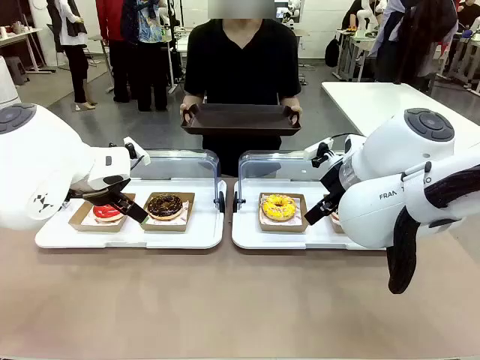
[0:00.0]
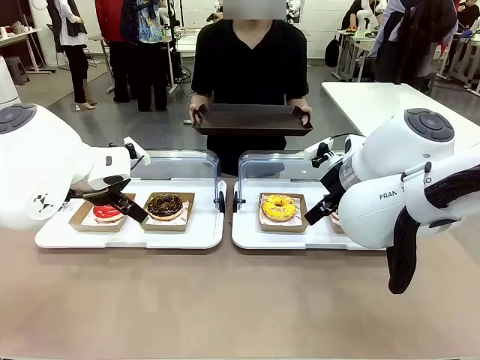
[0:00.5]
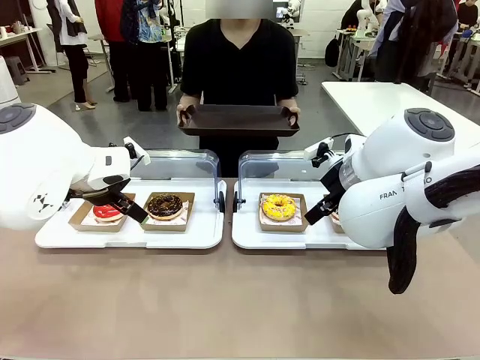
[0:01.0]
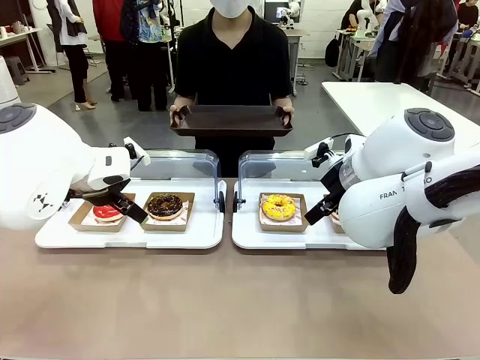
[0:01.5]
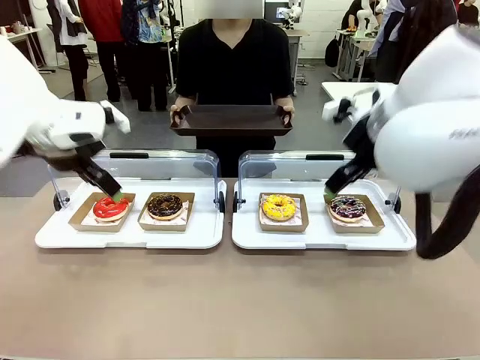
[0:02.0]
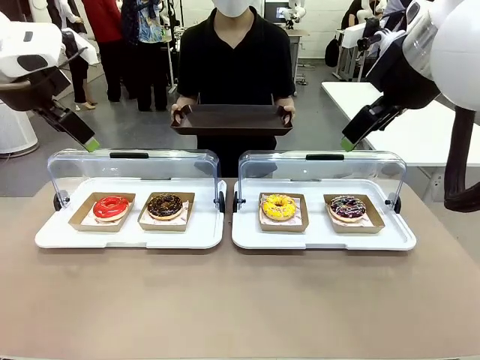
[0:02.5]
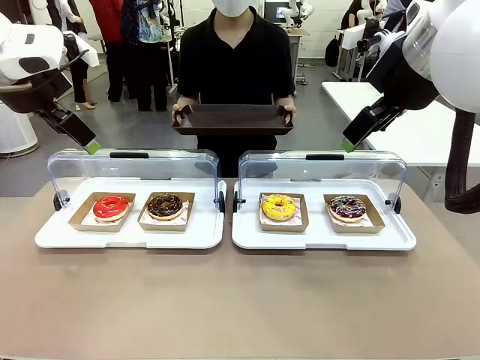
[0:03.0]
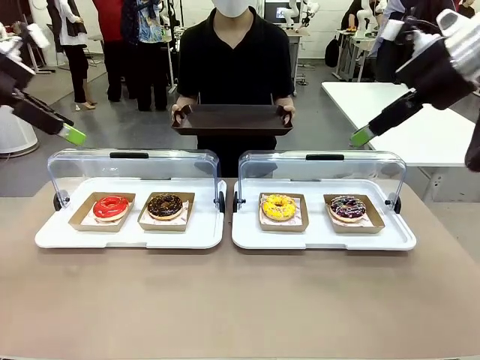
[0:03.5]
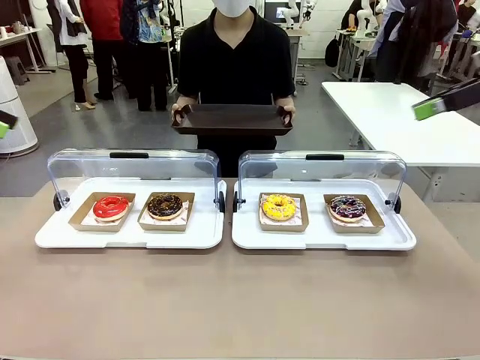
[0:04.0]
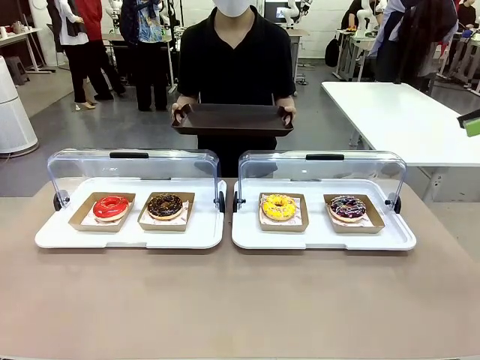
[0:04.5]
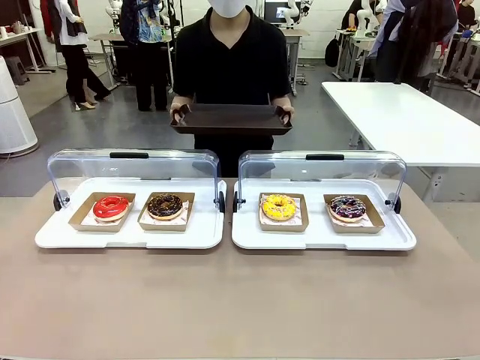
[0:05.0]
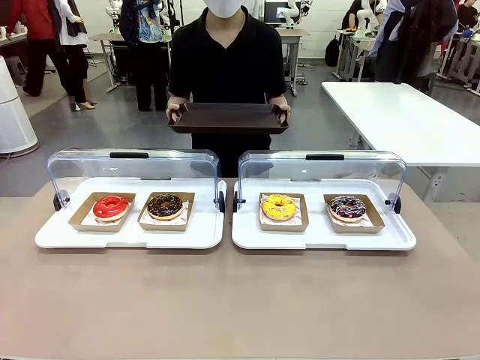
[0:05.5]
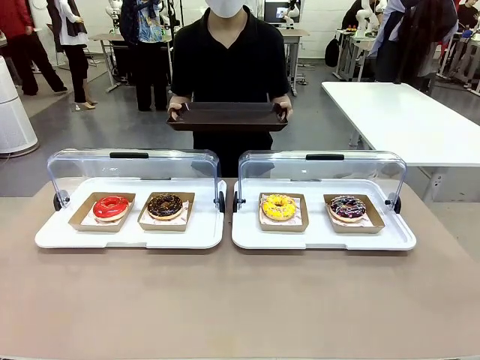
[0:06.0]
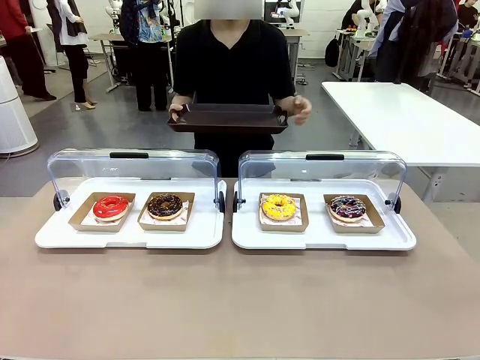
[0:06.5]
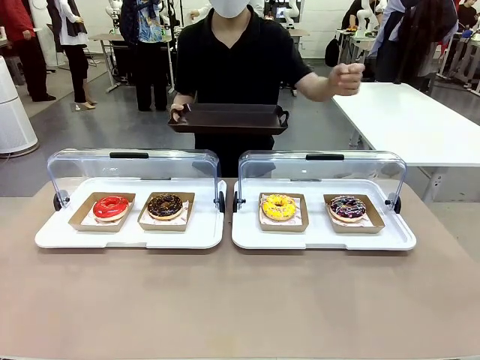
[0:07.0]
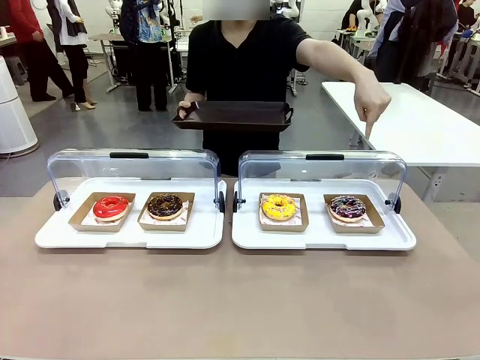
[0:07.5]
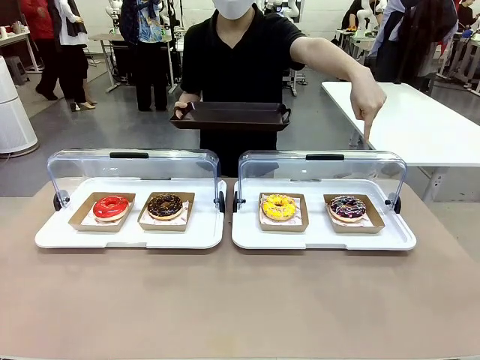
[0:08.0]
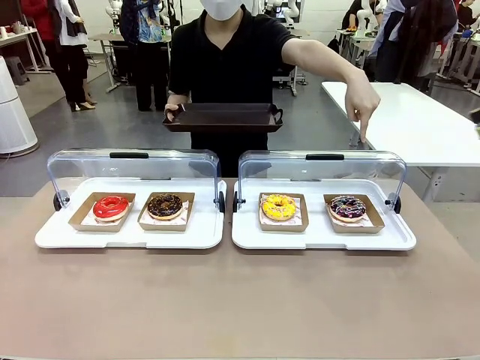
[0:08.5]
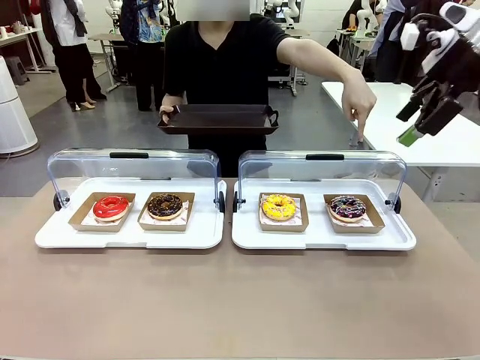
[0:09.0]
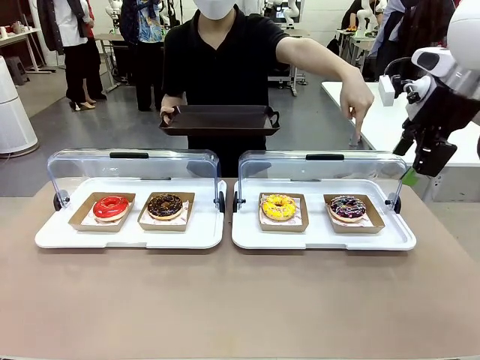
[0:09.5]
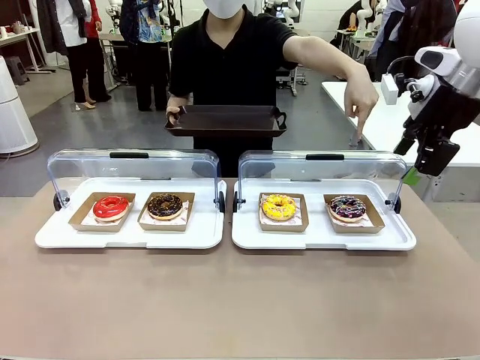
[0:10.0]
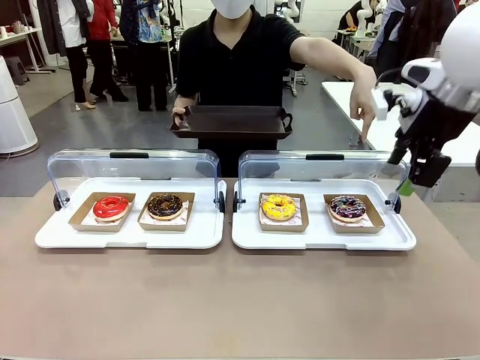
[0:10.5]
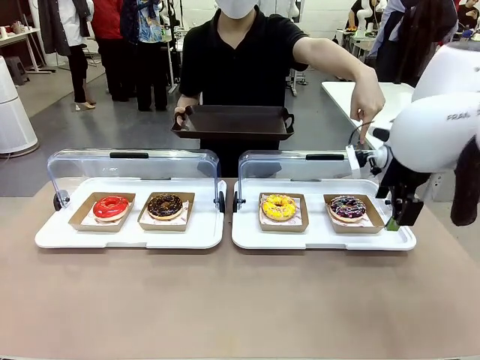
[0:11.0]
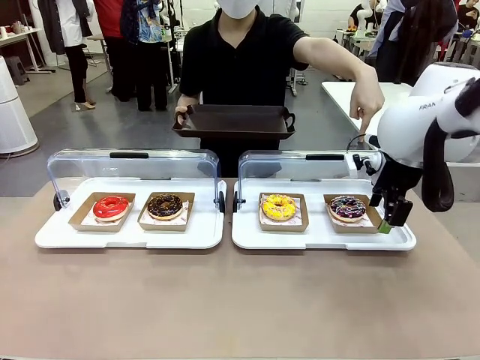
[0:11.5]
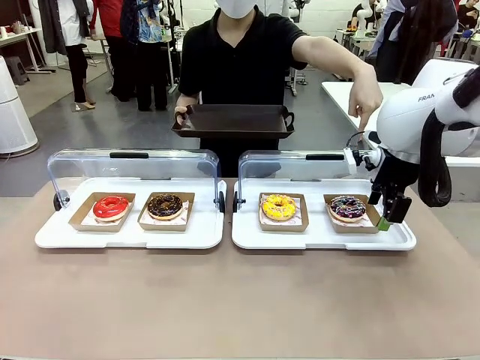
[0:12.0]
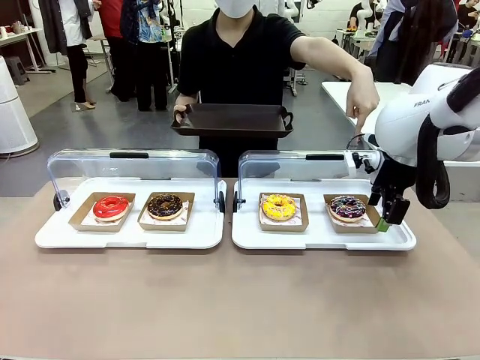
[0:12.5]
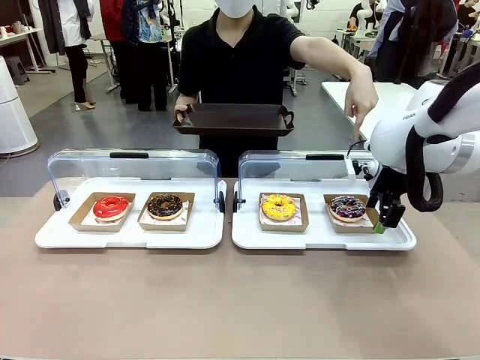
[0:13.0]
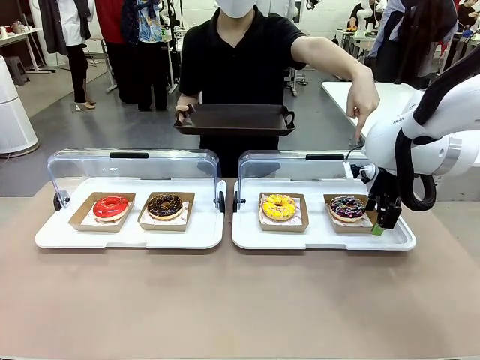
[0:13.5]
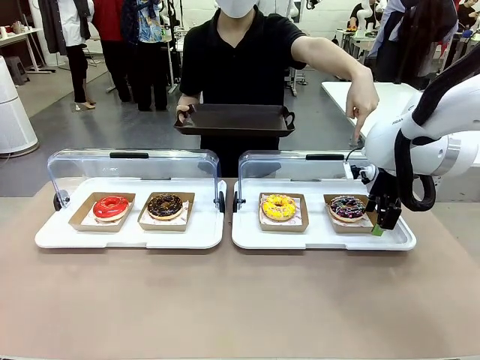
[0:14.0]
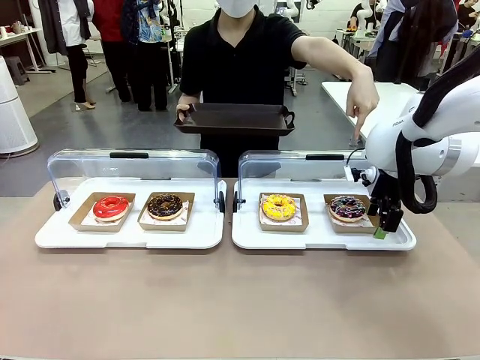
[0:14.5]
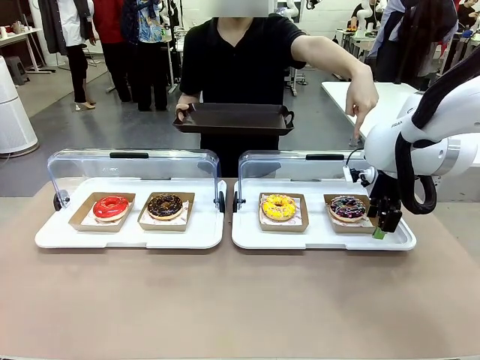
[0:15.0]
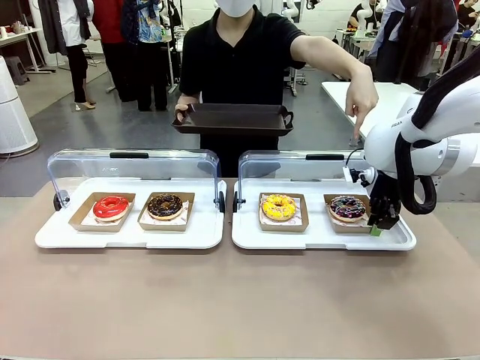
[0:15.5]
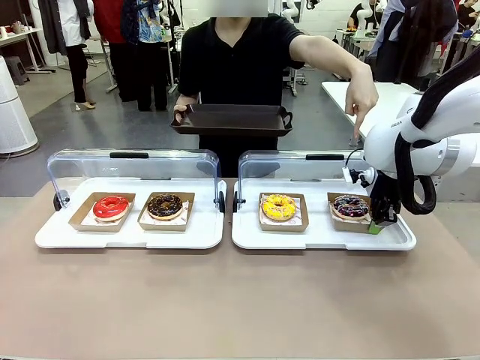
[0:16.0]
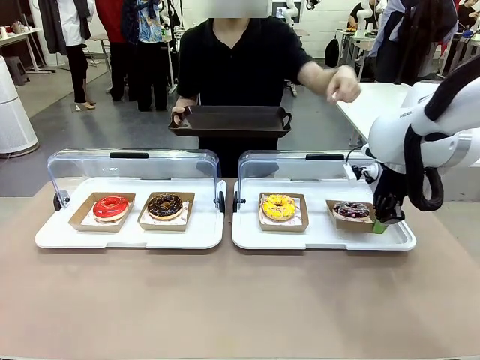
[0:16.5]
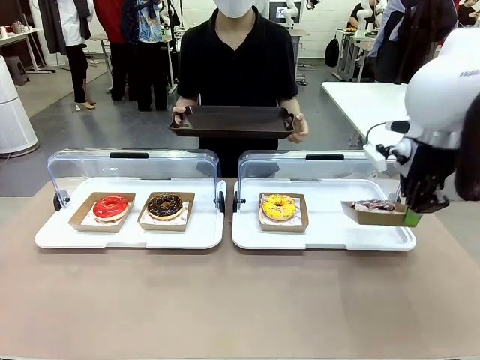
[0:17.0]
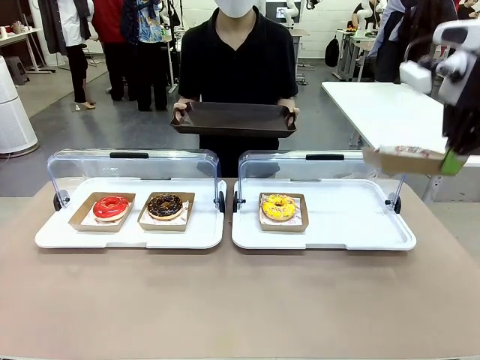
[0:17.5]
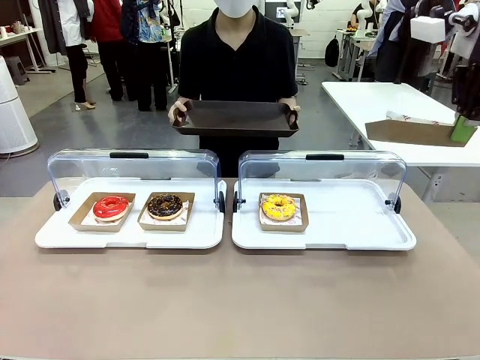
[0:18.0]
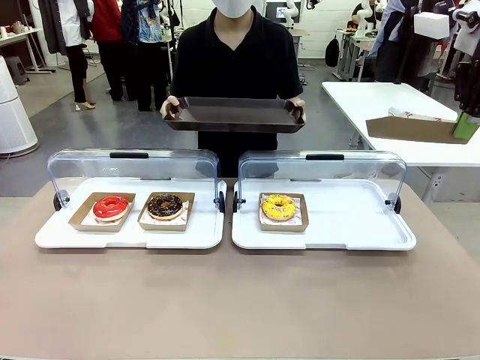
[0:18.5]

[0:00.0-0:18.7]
Task: Provide the desired donut to the person.
Robot: Pick up and lift the Paper togo box containing the Donut pointed at by the person.
Person: Point to one donut. Lift the tray onto the Roll-Top Bakery Case.

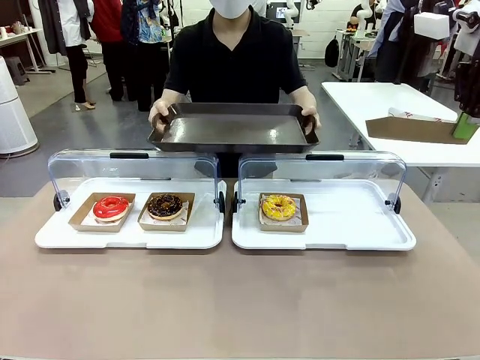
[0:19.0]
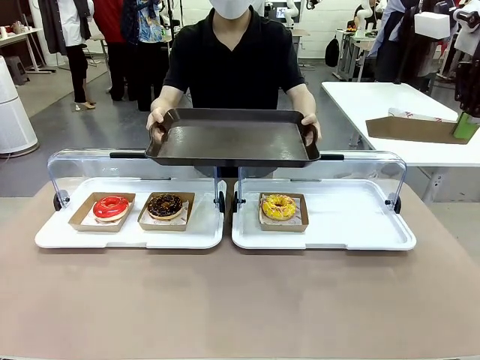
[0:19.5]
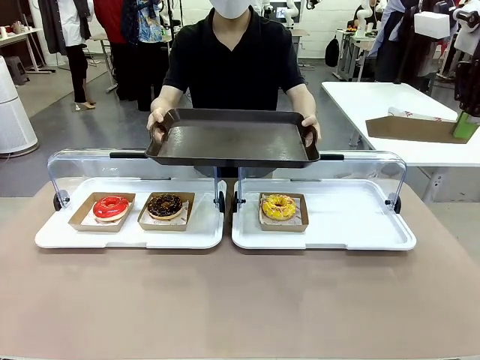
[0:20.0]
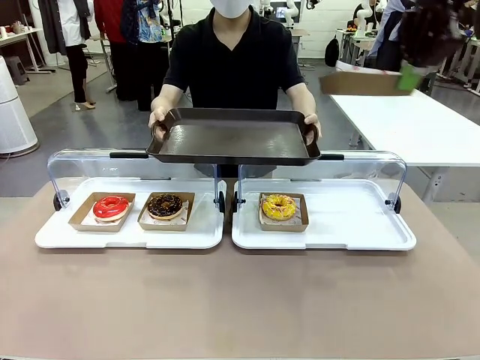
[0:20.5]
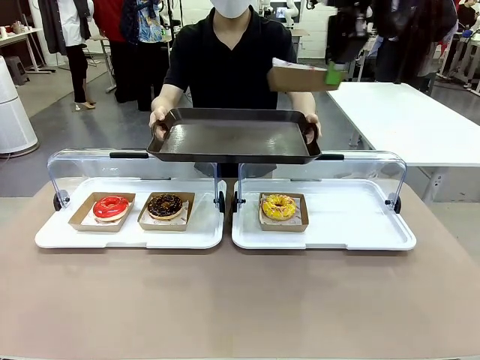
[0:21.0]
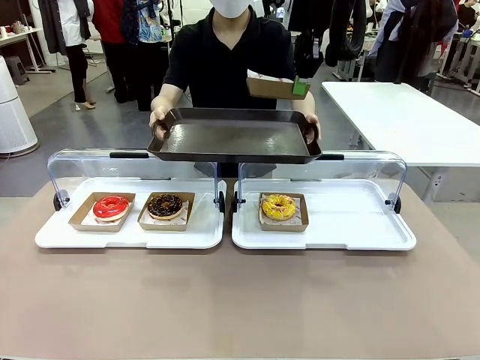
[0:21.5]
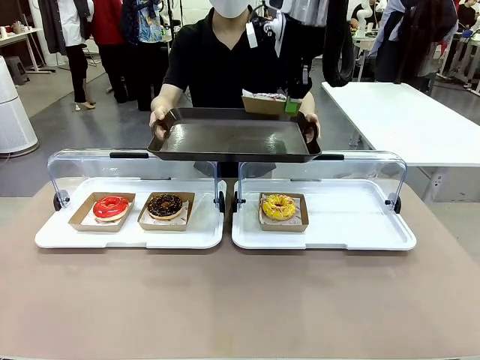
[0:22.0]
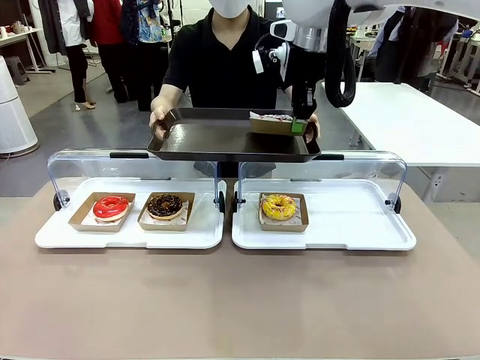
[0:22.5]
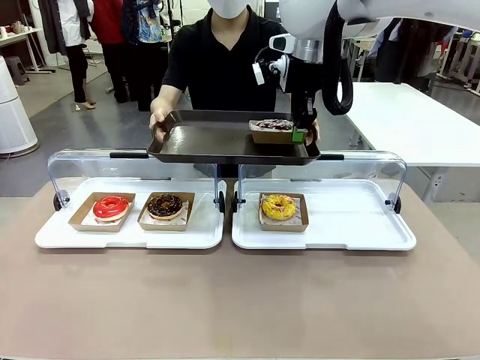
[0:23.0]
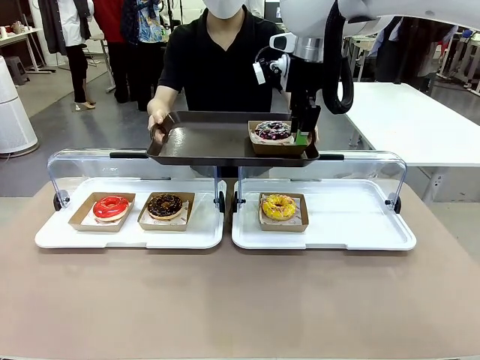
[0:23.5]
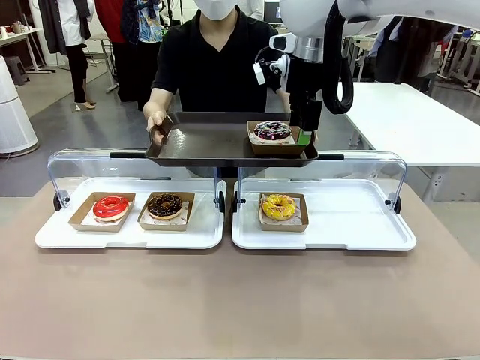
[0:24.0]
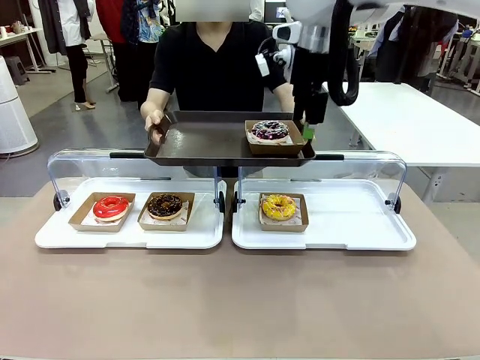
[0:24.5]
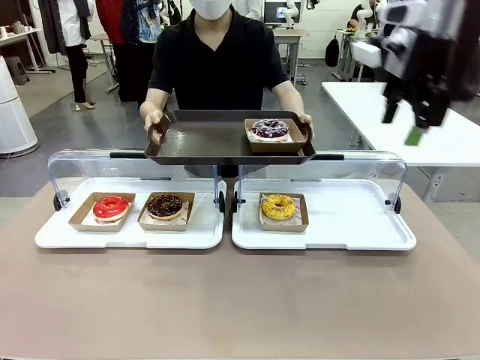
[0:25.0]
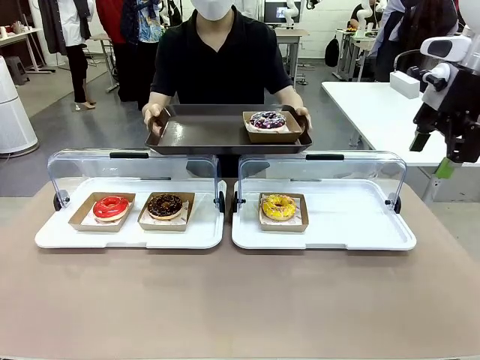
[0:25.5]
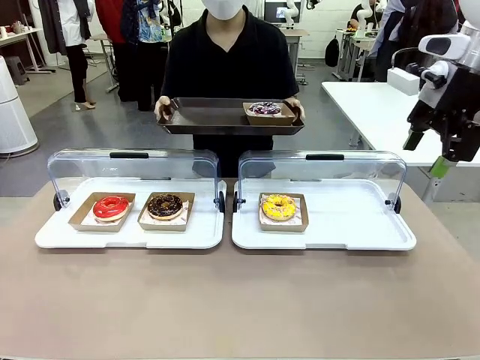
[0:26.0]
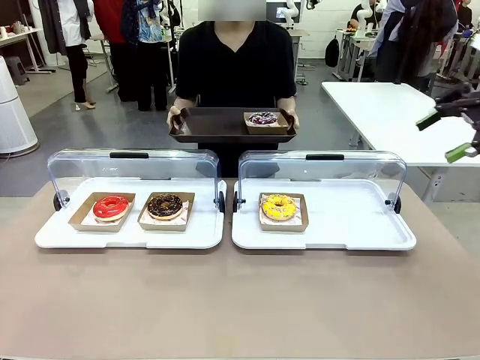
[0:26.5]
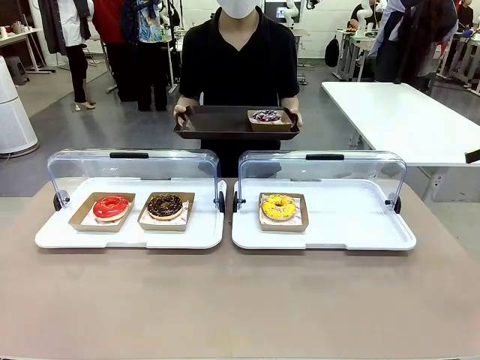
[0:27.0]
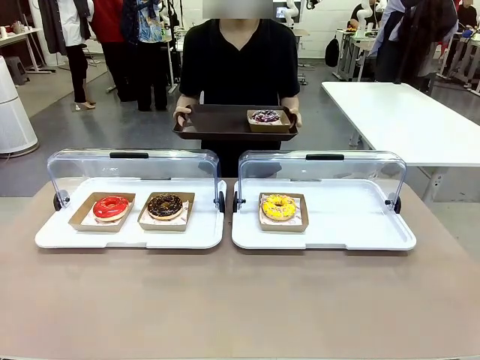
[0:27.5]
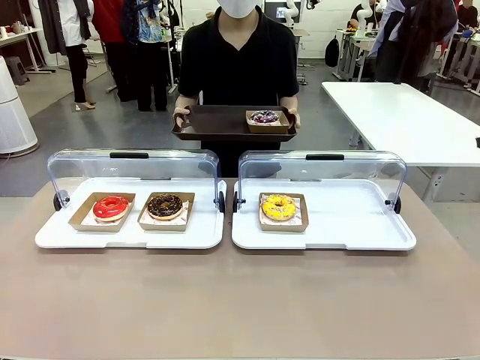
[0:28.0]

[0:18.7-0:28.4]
Robot: Place the picked Paper togo box onto the Handle tray extended by the person.
Person: Point to one donut.
